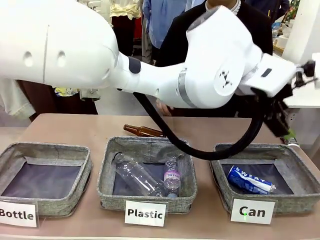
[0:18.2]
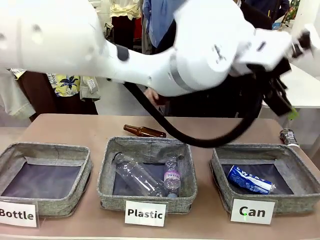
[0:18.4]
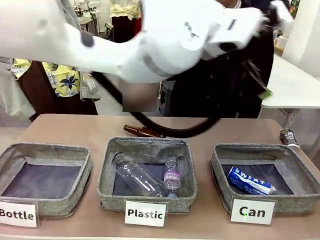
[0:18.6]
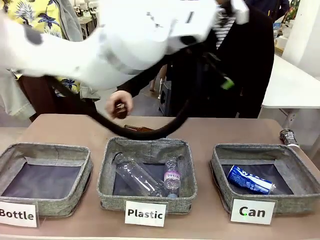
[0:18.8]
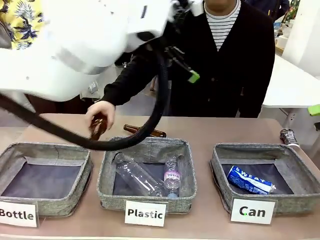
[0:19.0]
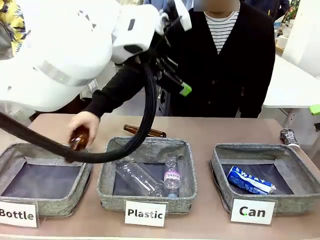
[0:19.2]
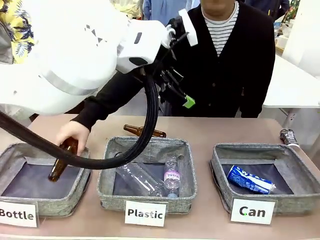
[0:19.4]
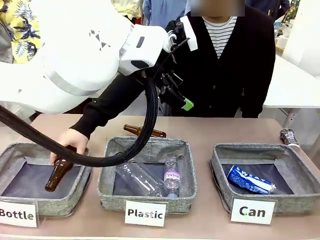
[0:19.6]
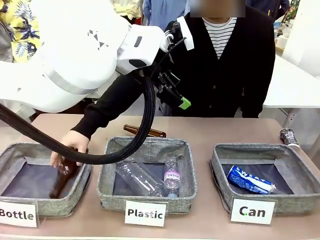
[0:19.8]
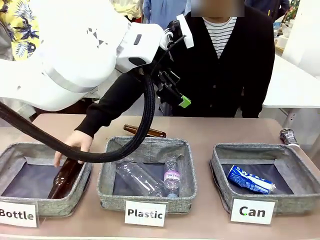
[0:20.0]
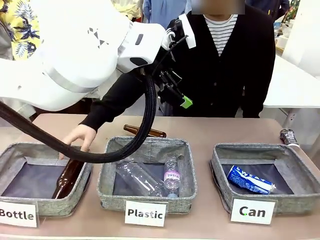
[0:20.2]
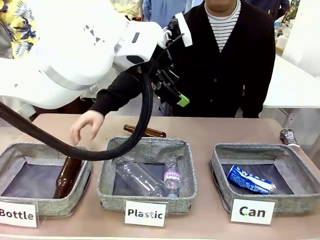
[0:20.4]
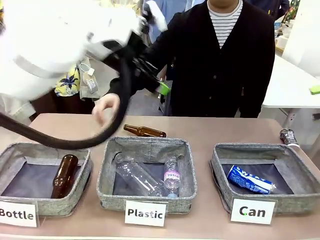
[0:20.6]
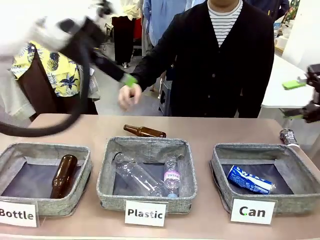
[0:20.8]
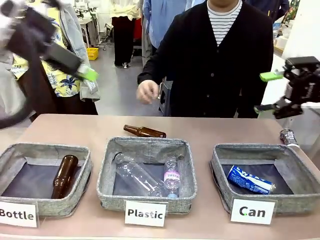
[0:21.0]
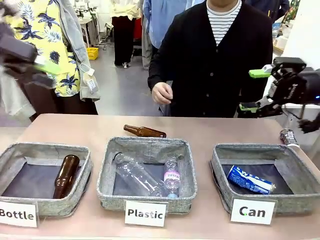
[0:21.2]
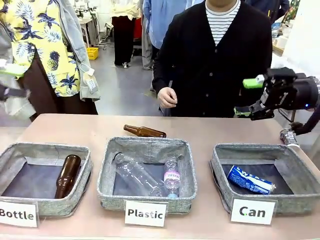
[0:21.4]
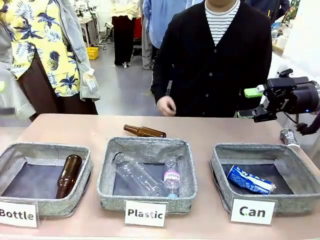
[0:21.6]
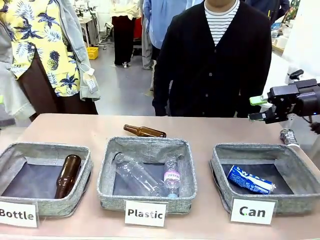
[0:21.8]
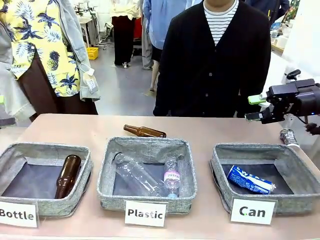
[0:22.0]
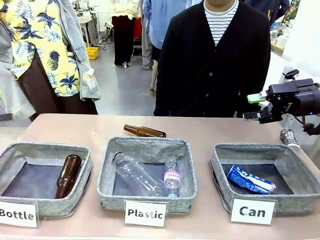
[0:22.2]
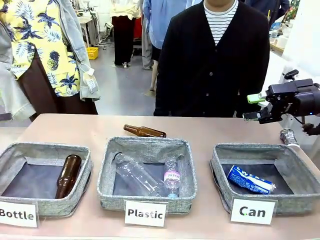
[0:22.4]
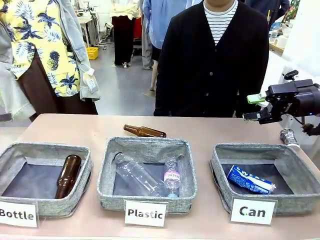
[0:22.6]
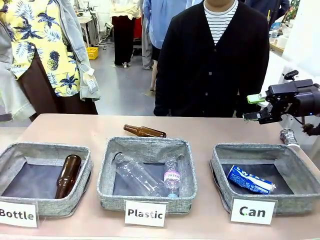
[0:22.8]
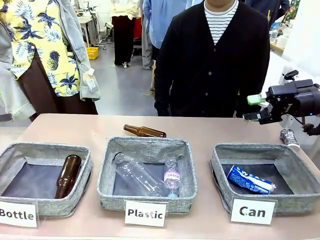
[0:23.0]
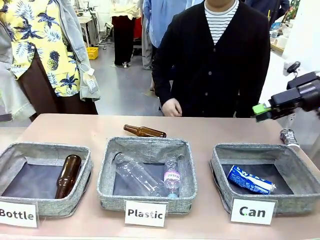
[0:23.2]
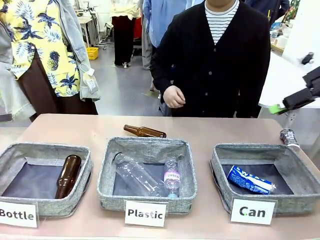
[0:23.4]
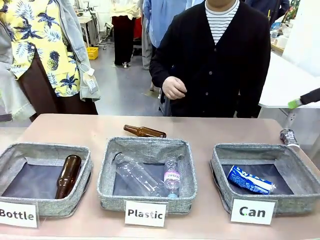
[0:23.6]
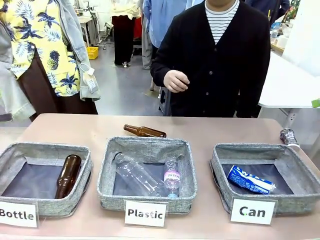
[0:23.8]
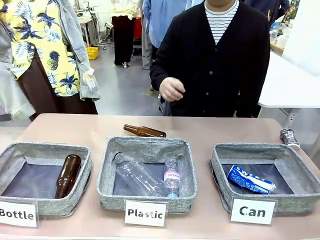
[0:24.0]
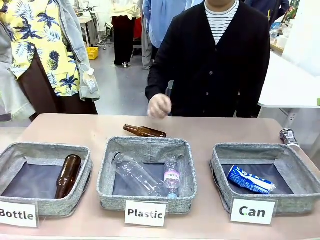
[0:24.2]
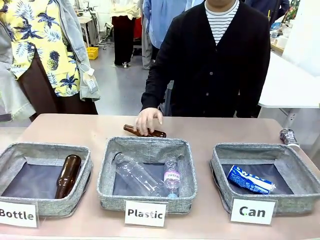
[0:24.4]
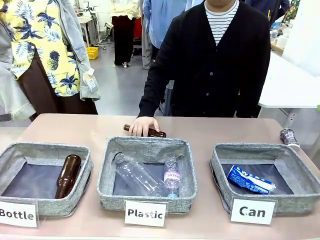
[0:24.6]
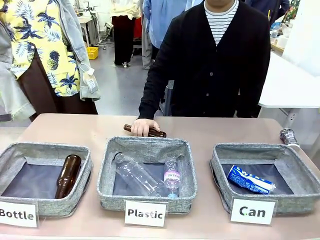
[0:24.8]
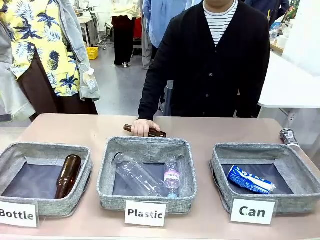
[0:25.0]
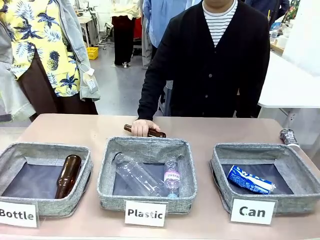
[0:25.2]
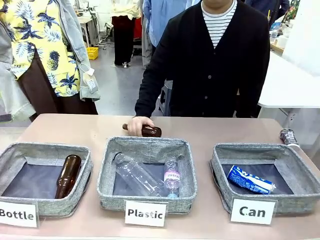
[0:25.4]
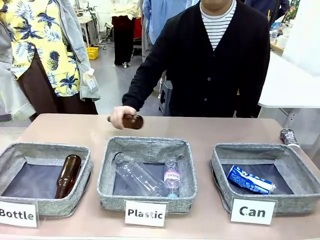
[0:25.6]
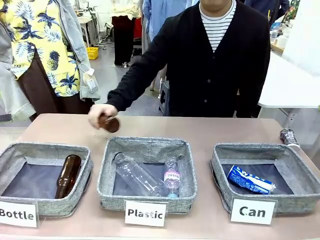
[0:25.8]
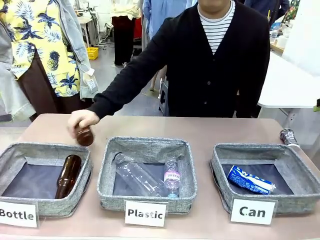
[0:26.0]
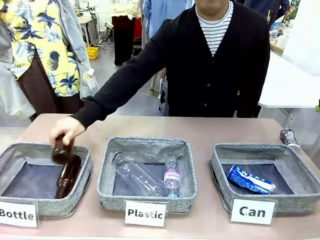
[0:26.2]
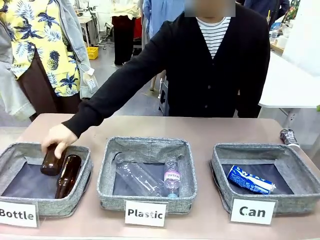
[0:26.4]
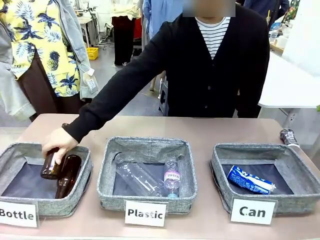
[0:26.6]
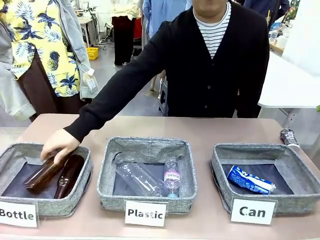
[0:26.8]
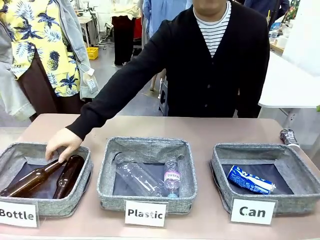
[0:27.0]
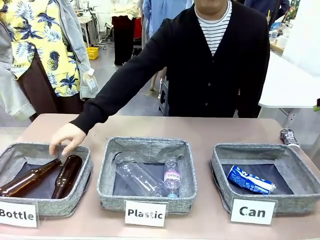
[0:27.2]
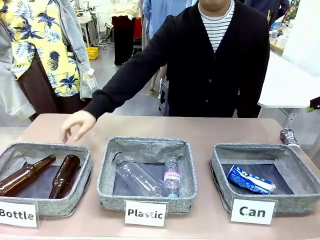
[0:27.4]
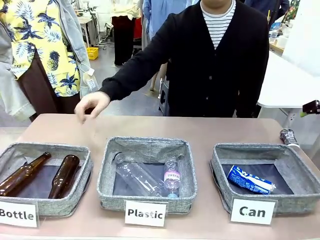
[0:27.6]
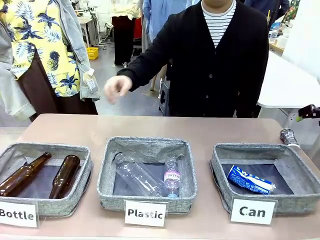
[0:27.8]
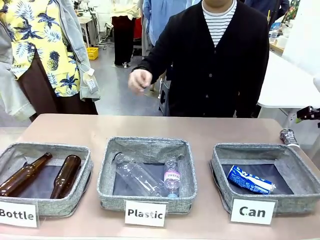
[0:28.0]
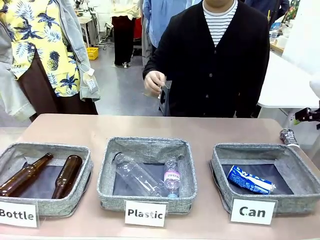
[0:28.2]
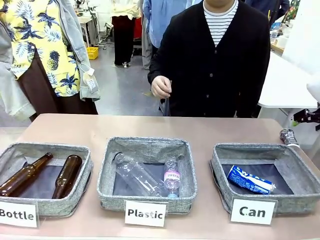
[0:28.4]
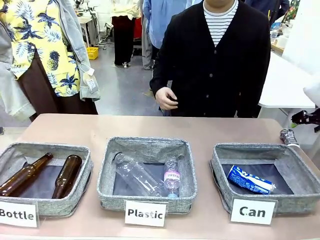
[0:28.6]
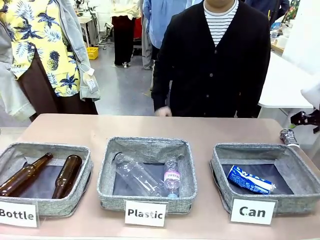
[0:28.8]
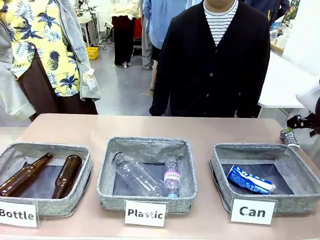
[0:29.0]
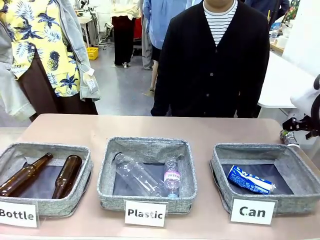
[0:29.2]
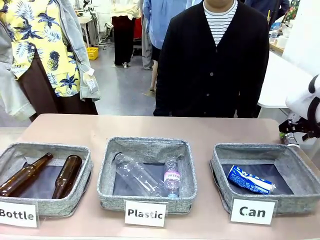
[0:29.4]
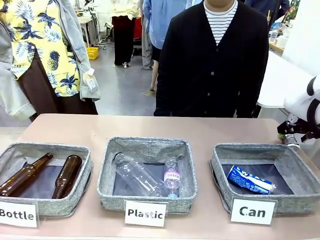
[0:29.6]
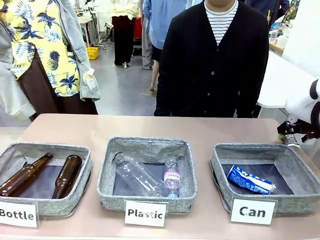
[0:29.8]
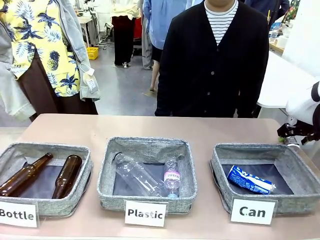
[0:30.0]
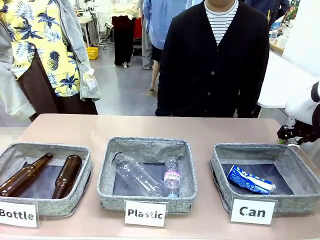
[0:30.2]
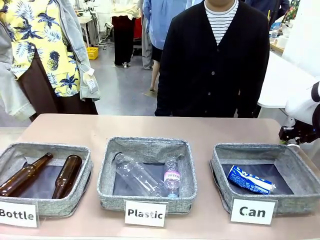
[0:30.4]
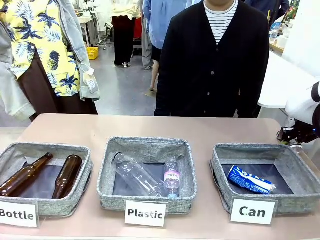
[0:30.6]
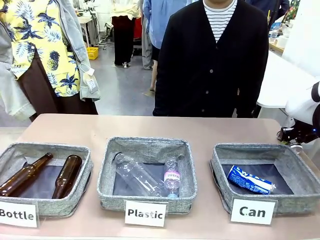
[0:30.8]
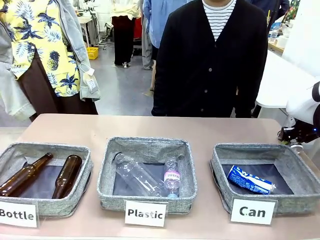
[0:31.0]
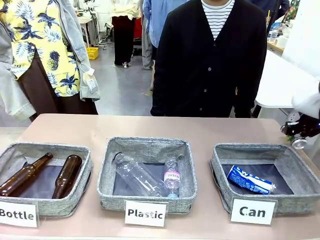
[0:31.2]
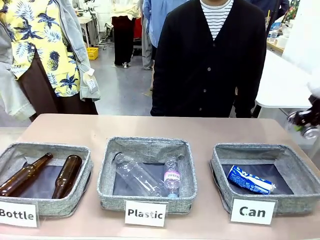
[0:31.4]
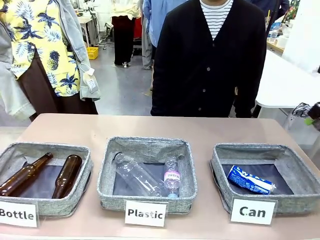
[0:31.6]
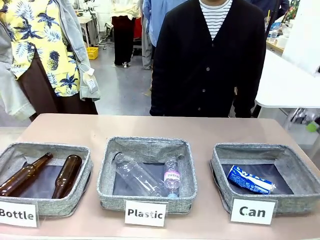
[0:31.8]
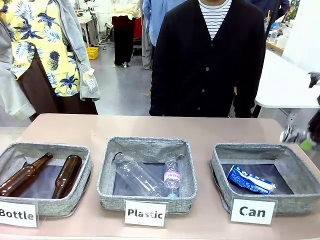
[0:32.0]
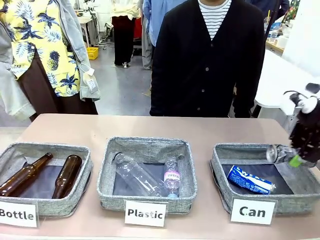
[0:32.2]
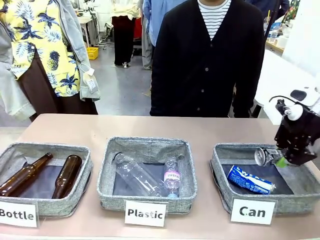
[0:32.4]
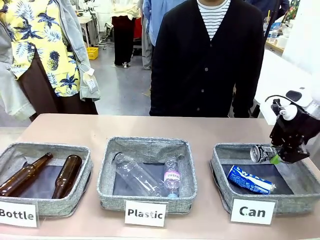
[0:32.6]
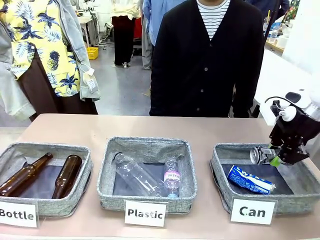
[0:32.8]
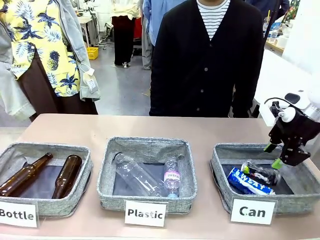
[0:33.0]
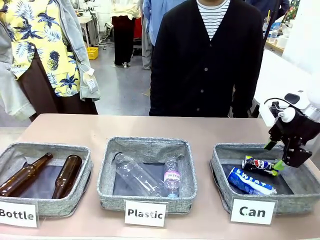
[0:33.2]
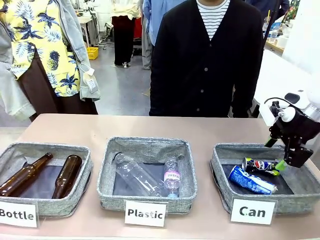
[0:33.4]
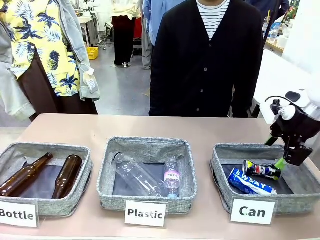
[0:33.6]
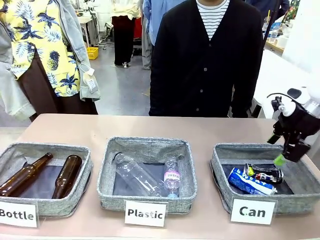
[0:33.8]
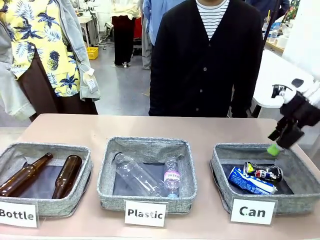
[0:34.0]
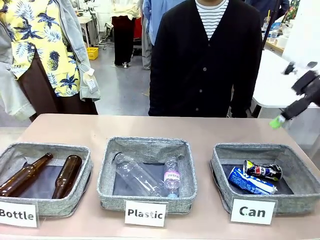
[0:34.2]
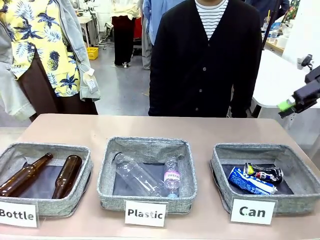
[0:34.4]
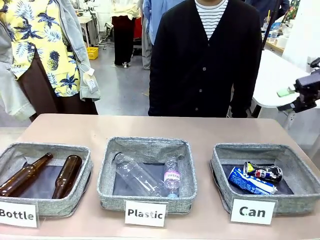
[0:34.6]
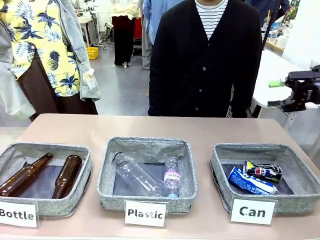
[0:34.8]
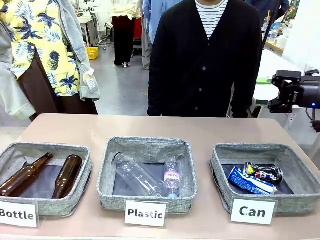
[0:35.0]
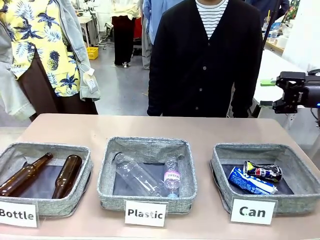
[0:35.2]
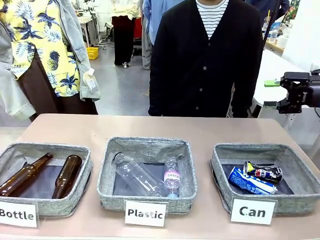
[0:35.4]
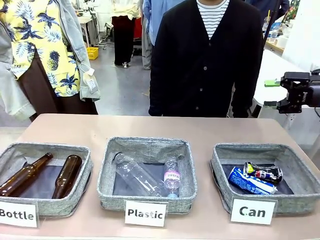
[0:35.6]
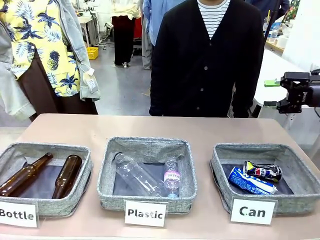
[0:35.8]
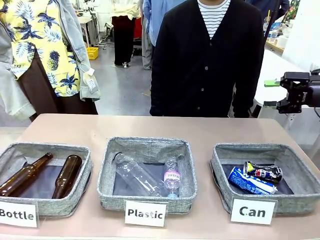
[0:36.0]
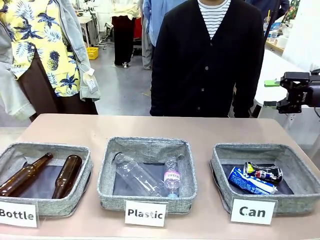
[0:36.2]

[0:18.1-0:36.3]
Task: Sort the can waste into the basket.
Robot: Pick up the can waste from the table and place it in the right Fabric basket.
Person: The human picks up one piece of trash that is not a can and places the trash into the appropriate organizing basket.
